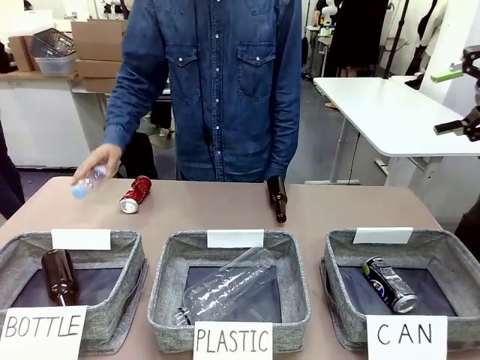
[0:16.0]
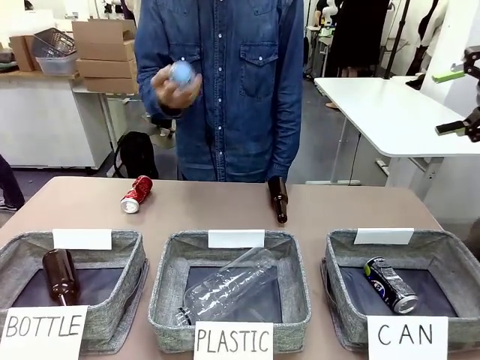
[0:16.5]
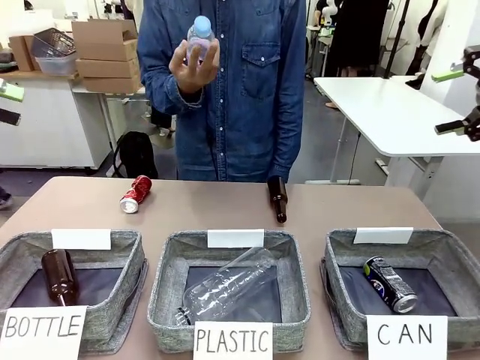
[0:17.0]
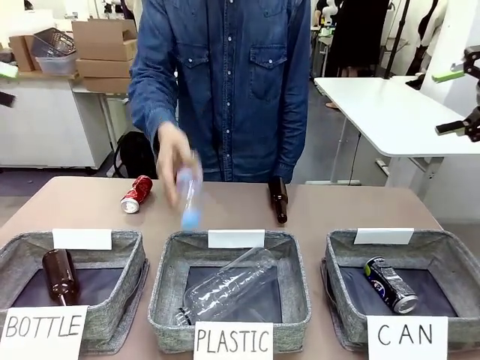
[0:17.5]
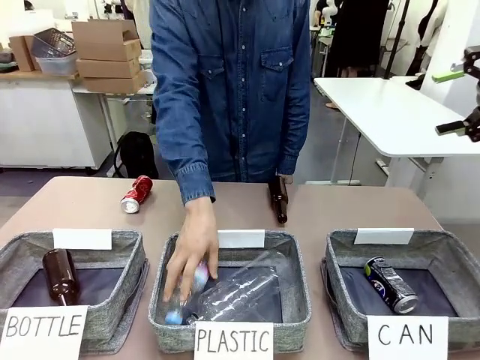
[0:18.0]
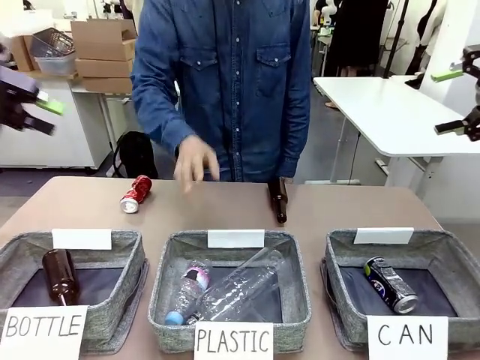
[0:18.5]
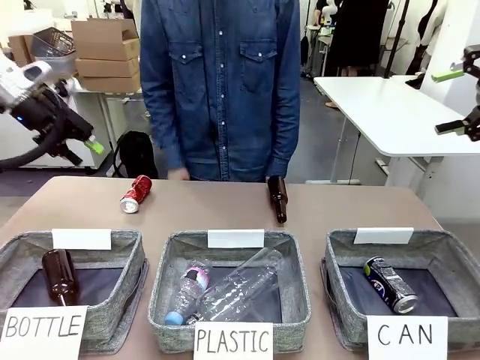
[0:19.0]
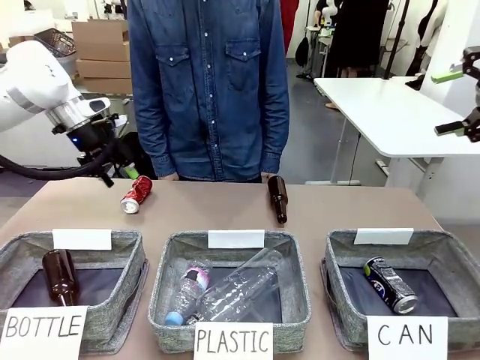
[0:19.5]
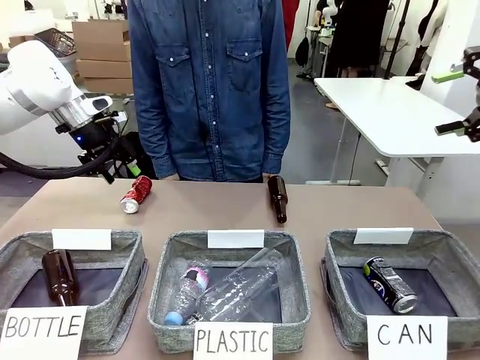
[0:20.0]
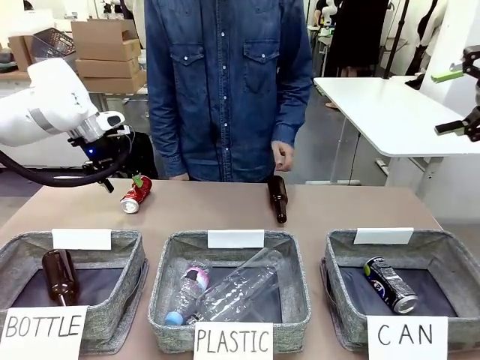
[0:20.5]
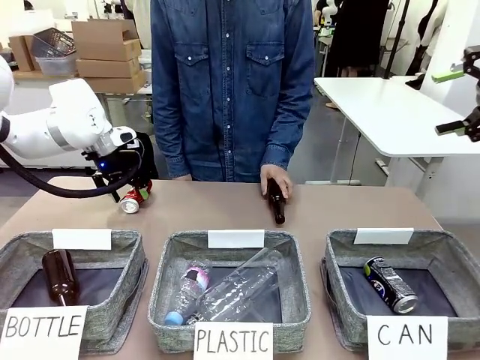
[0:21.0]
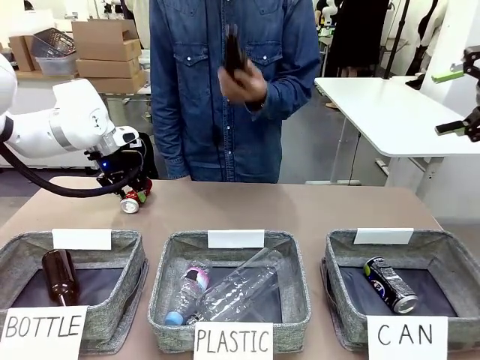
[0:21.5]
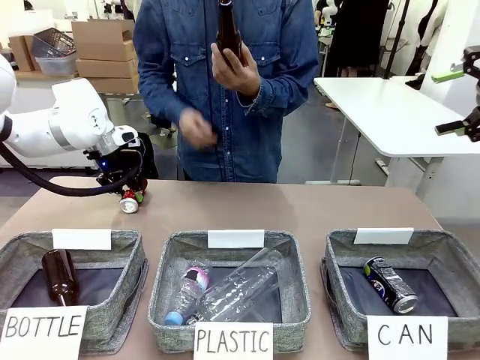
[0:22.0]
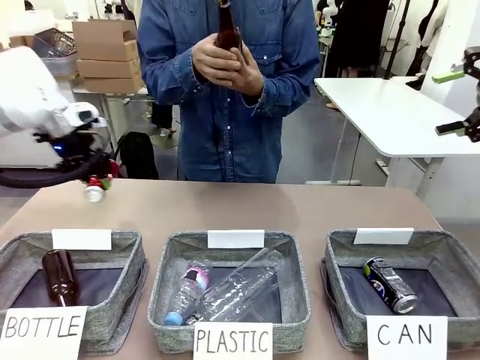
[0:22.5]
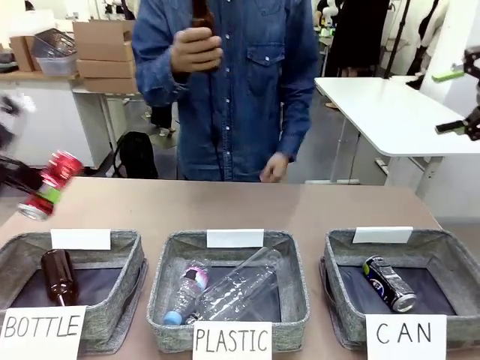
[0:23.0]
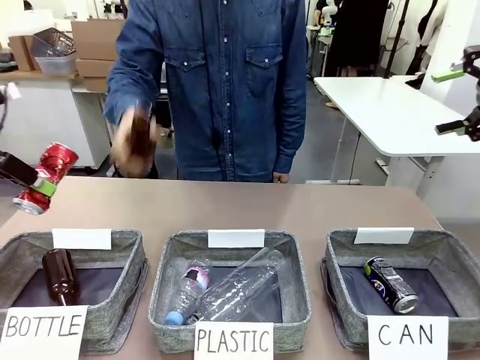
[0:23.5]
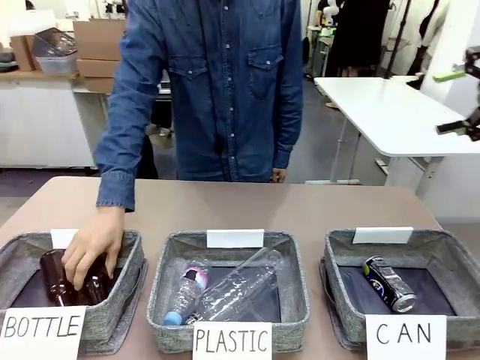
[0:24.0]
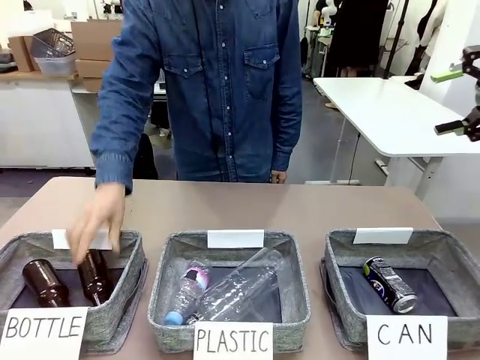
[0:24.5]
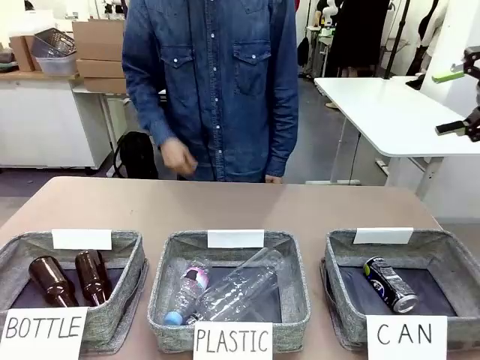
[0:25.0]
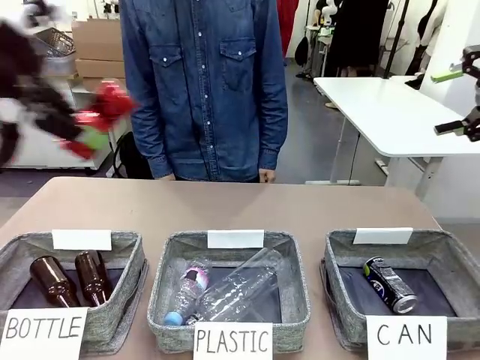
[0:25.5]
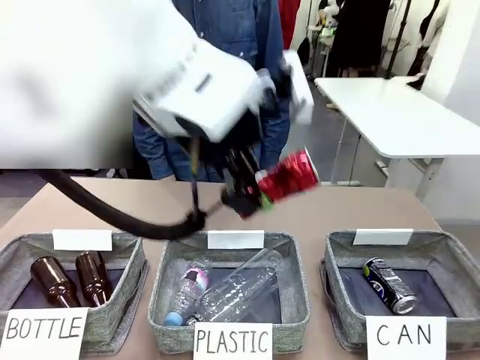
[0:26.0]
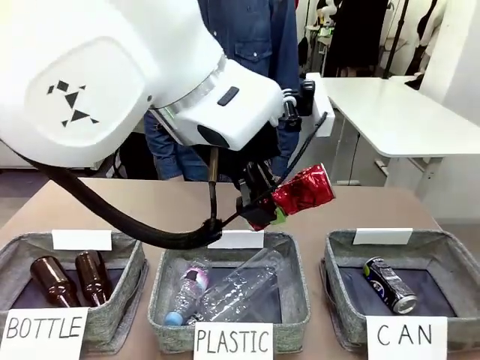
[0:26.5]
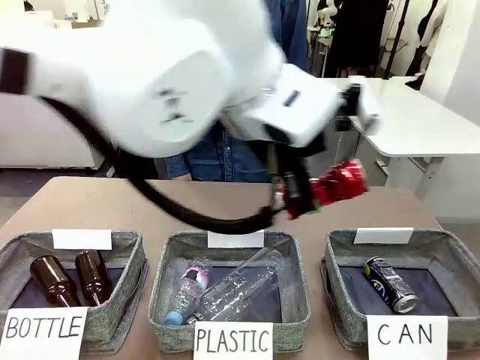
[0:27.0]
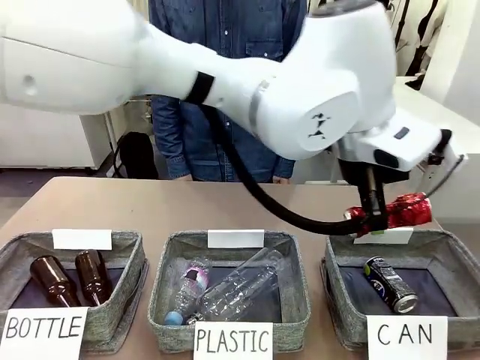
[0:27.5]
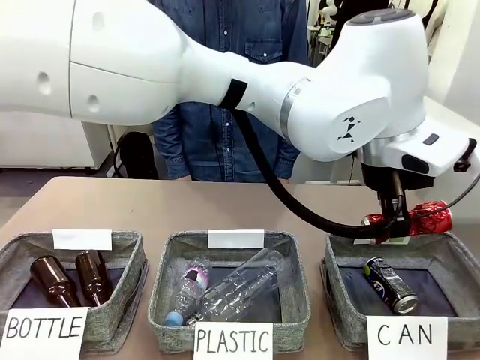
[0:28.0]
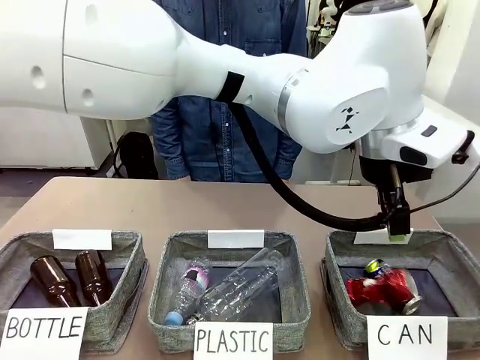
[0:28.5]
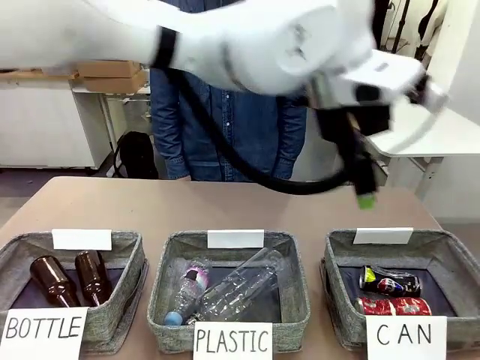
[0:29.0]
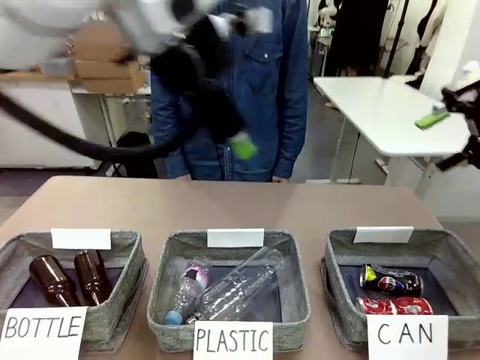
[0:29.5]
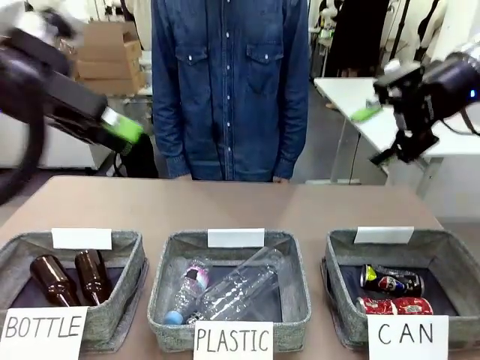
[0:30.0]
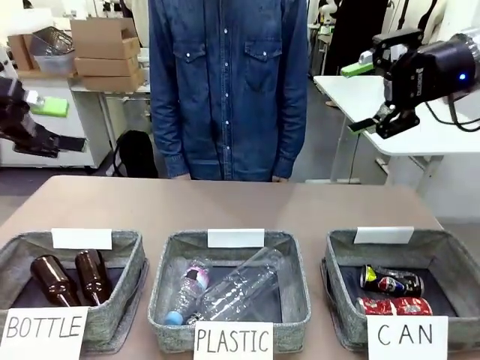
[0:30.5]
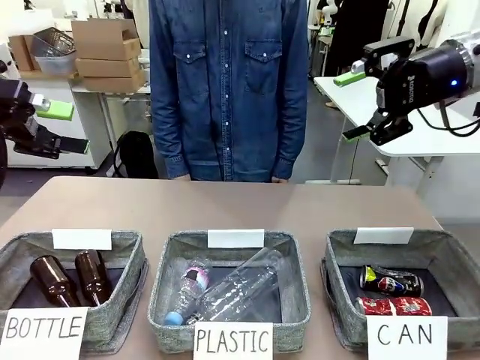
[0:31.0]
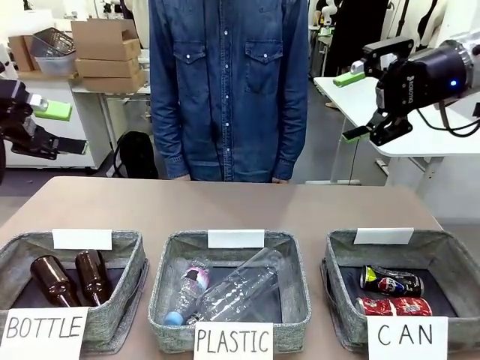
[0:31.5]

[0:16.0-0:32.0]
Task: Sort the can waste into the basket.
Robot: Pick up the can waste from the table and place it in the right Fabric basket.

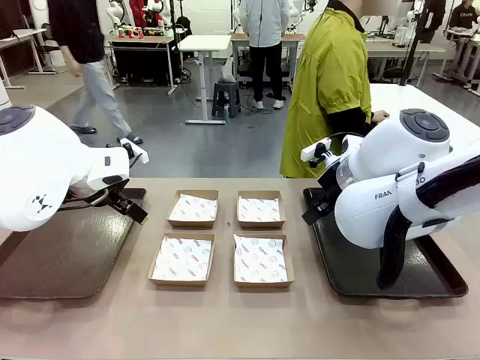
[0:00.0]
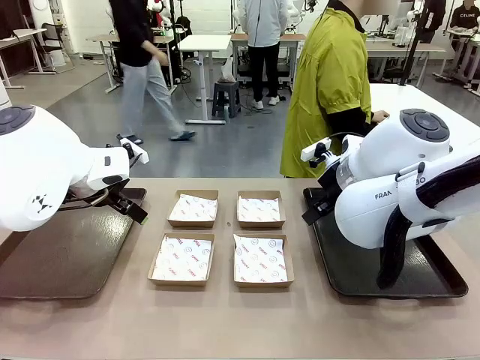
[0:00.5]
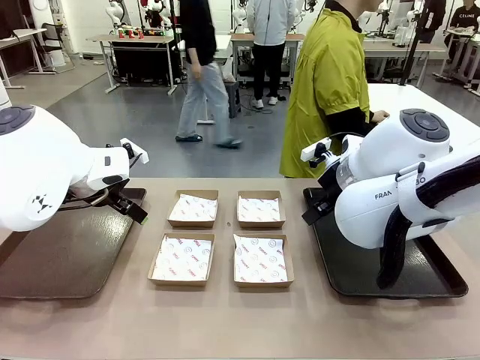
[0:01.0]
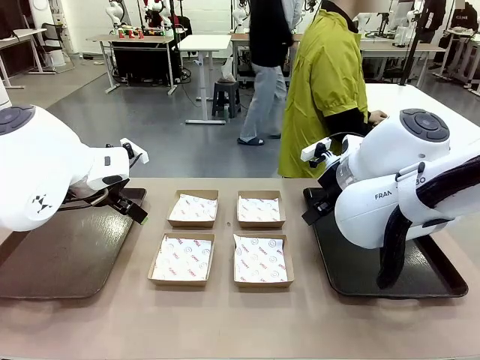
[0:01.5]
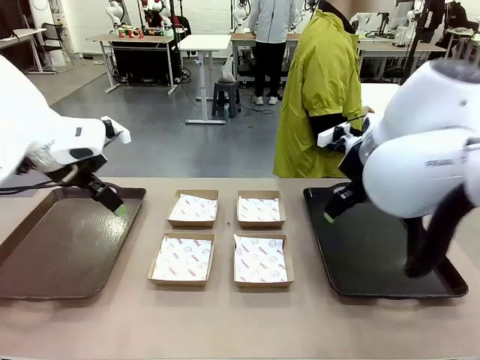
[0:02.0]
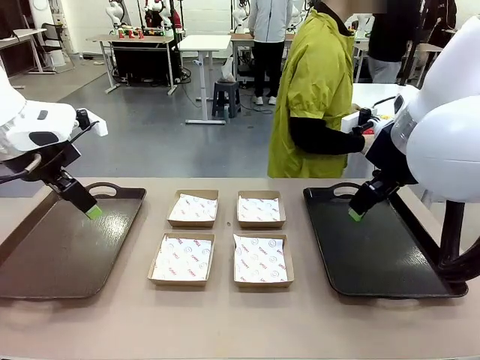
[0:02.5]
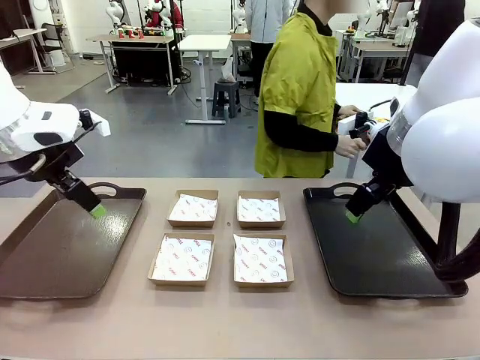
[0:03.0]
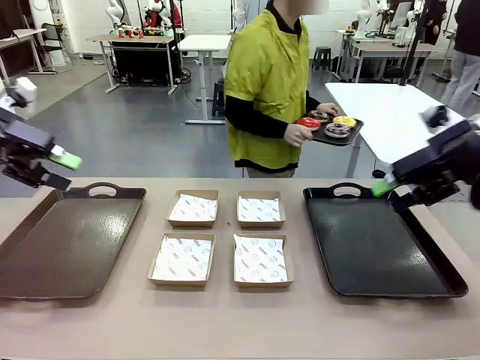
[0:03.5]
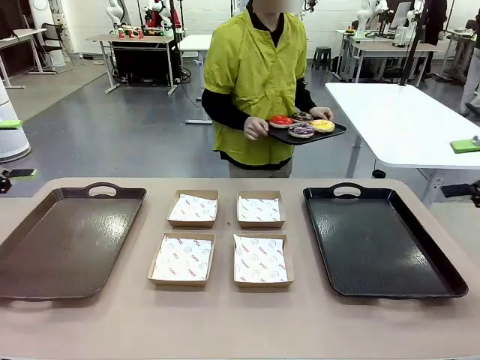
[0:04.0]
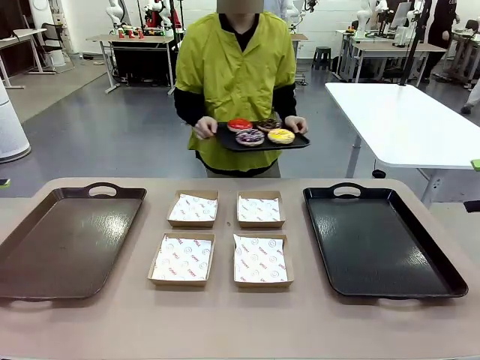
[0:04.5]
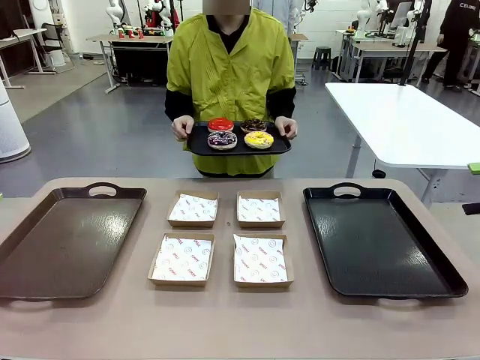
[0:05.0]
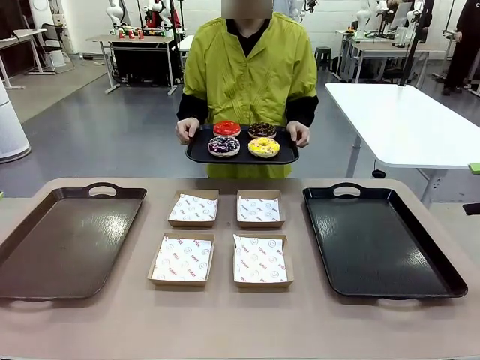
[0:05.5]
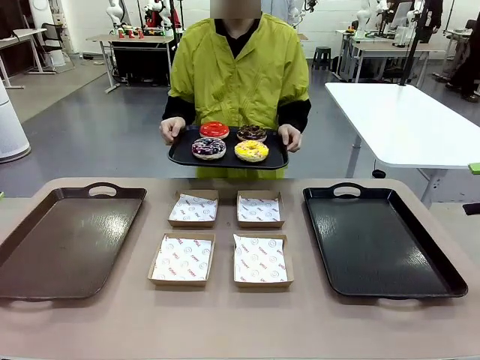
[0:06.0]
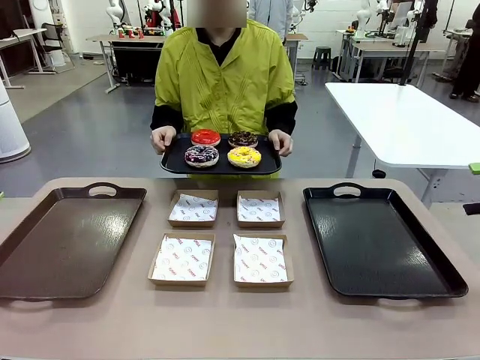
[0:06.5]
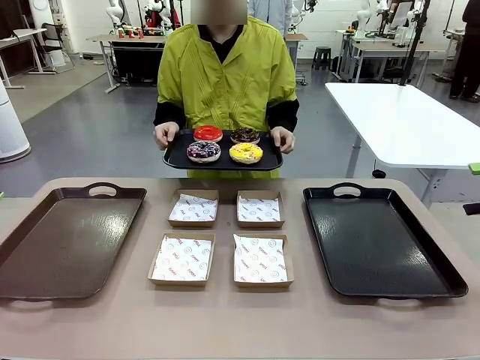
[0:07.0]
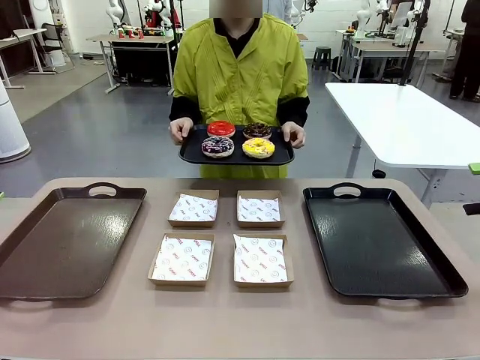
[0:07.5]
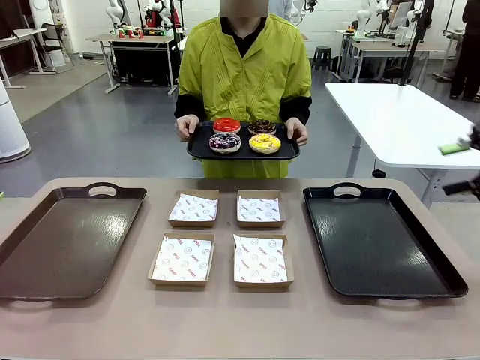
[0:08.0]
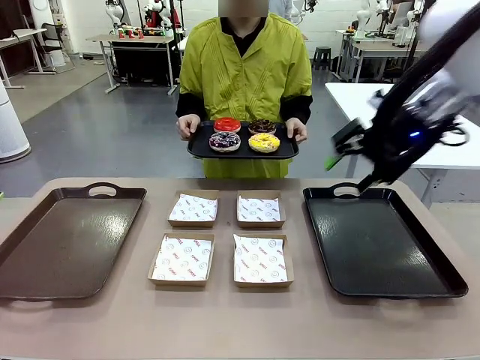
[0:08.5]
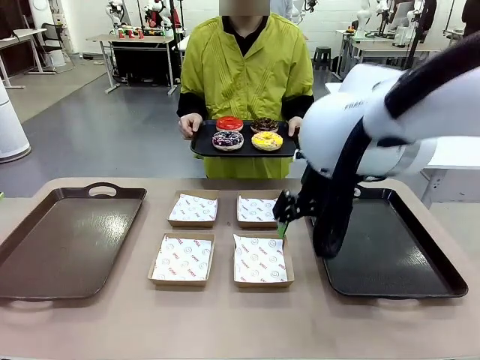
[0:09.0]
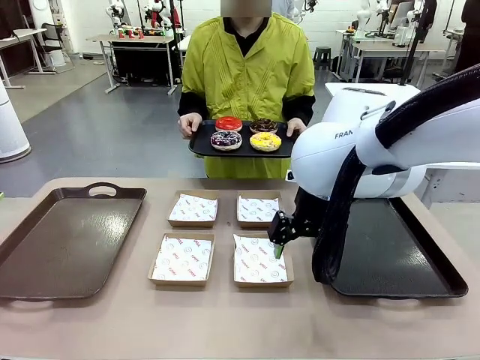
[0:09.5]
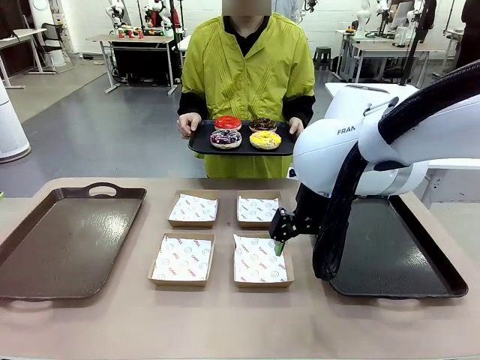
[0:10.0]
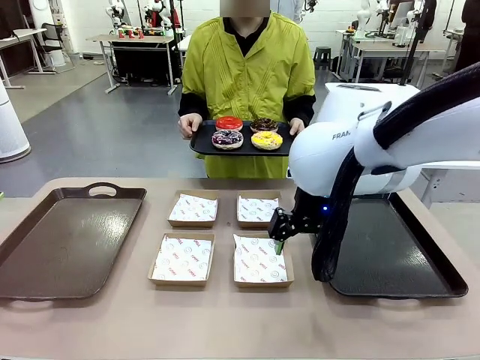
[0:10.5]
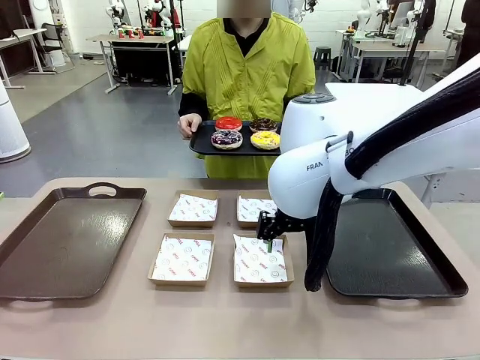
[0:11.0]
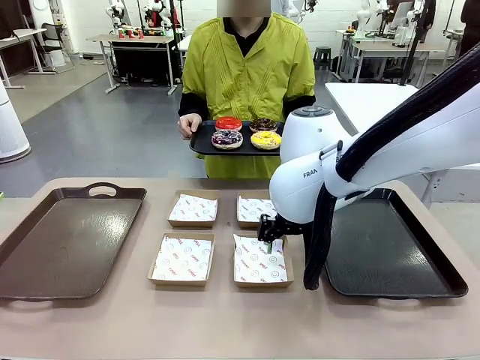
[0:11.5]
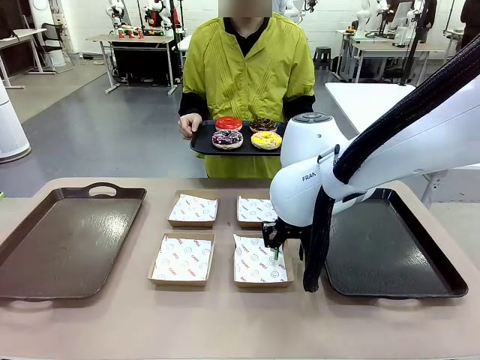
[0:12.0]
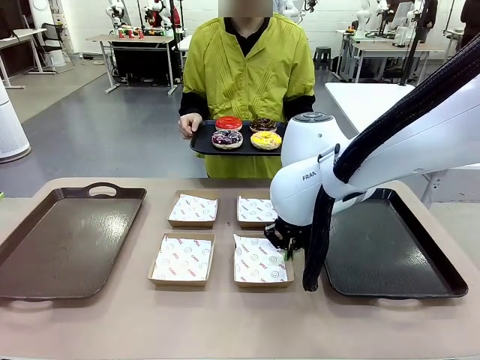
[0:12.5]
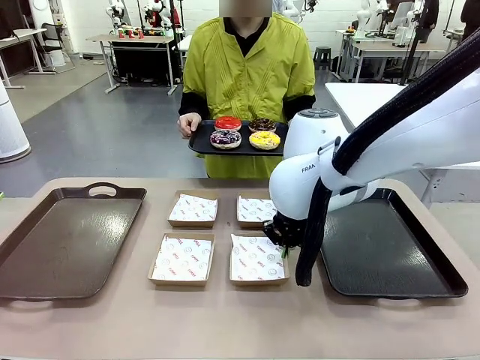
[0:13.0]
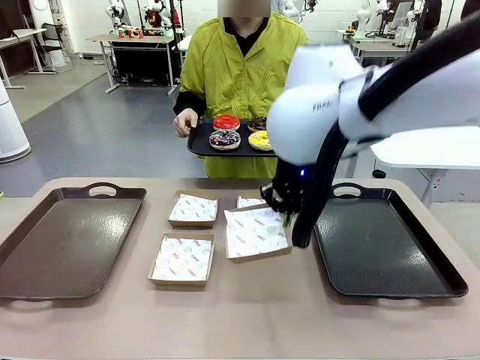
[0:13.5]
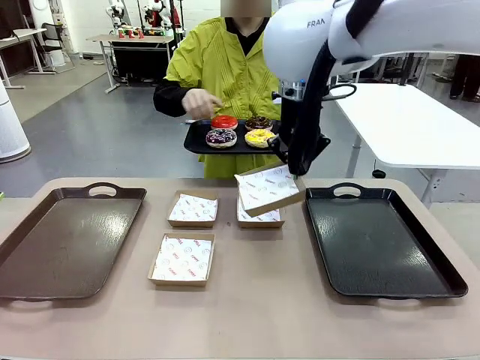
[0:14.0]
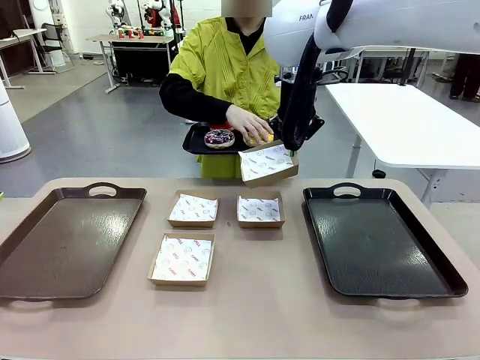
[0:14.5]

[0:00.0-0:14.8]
Task: Individually package the donuts and arrange them on the tray.
Robot: Pick up one Paper togo box.
Person: Stand in front of the robot table holding the tray containing the donuts.
